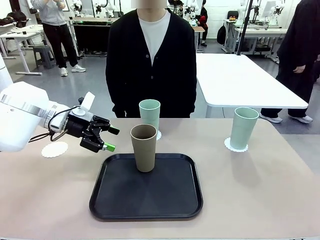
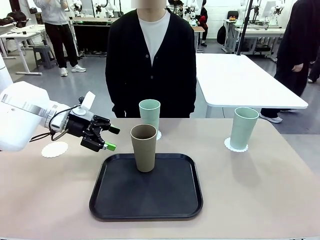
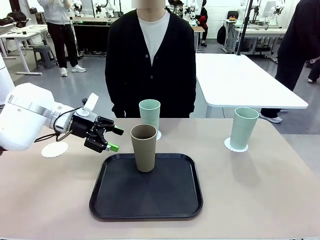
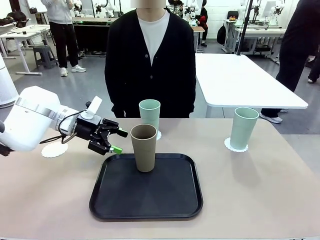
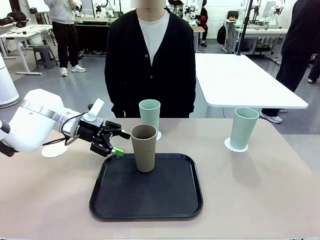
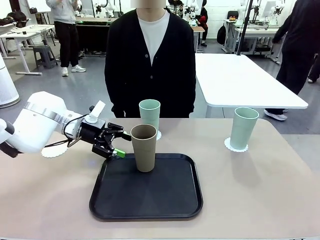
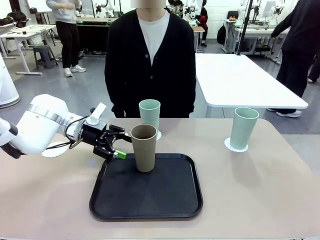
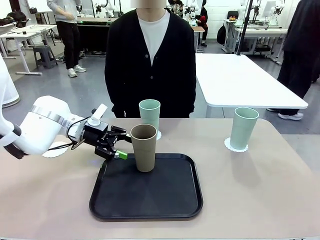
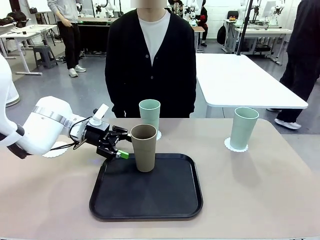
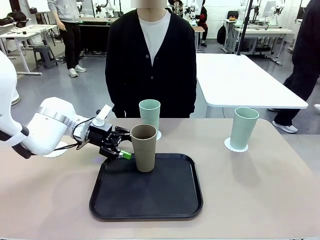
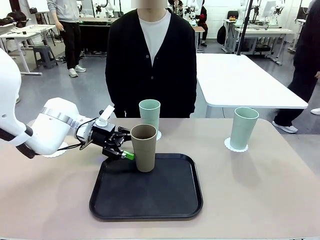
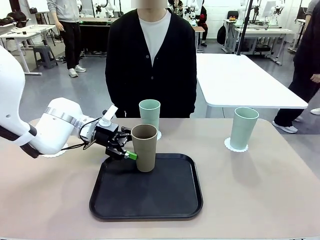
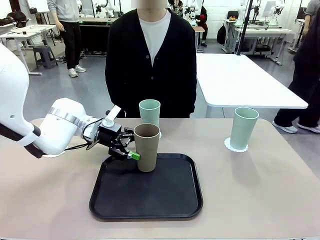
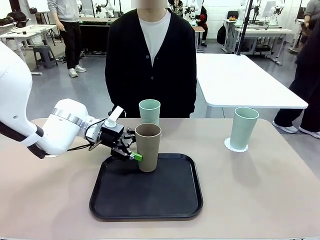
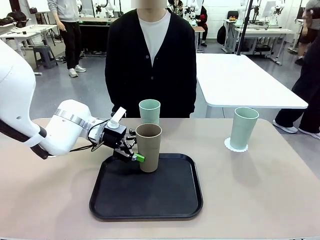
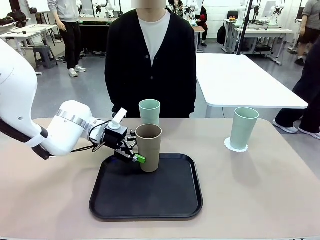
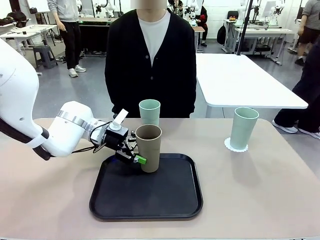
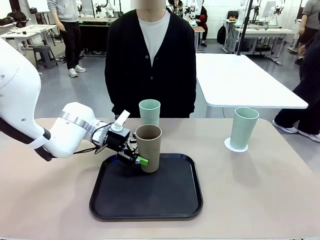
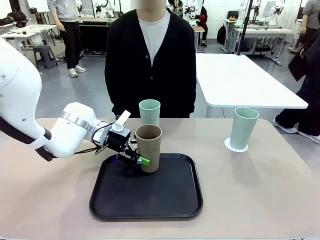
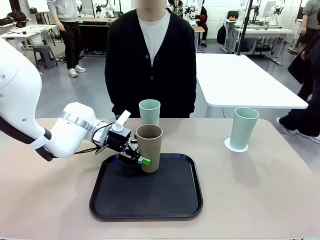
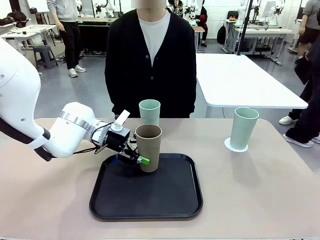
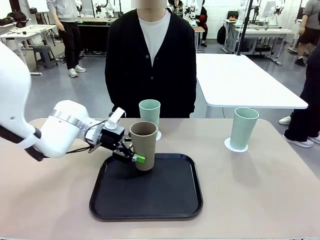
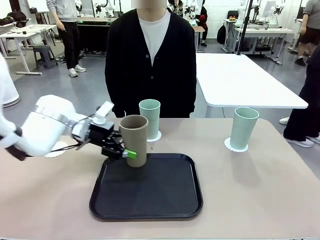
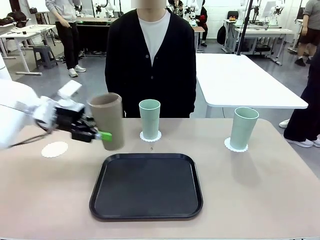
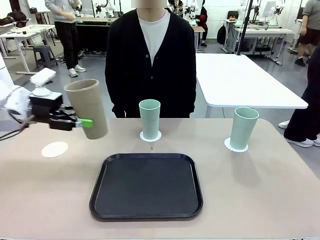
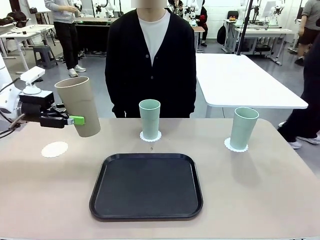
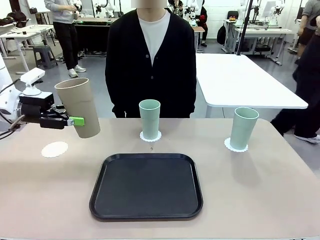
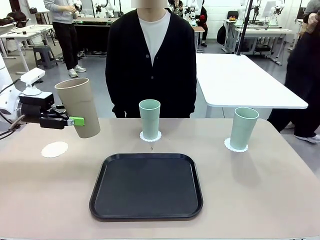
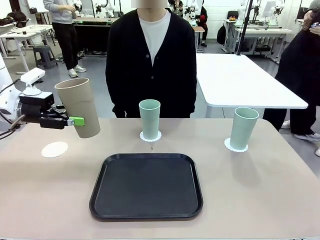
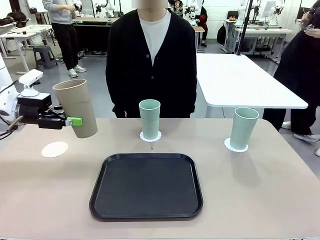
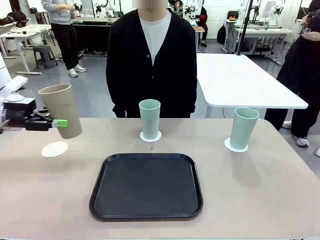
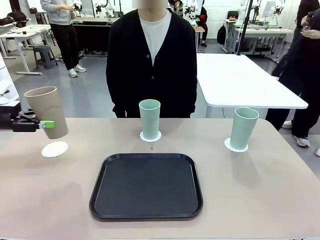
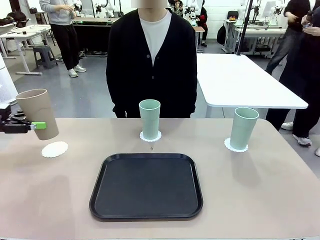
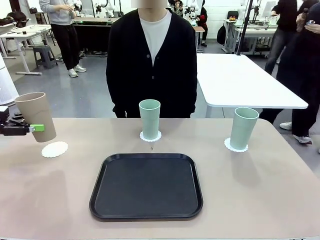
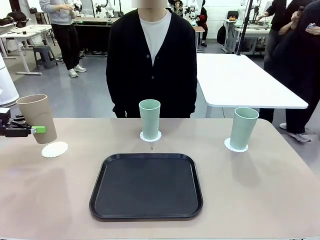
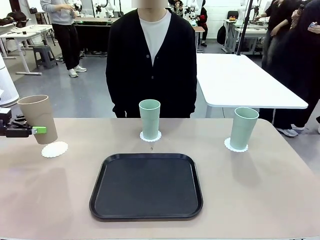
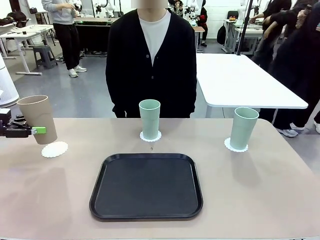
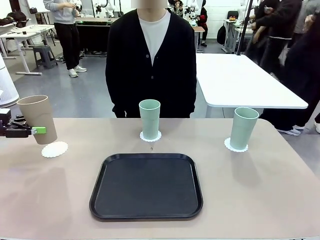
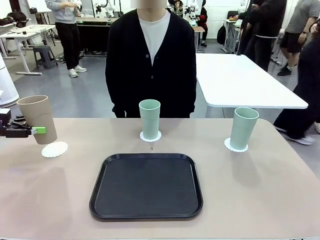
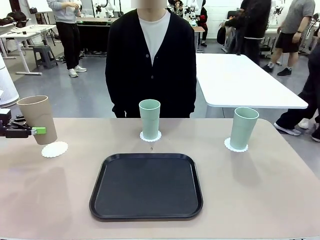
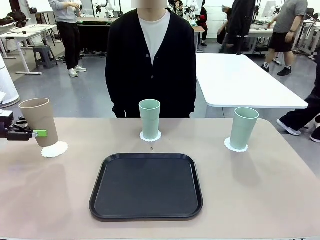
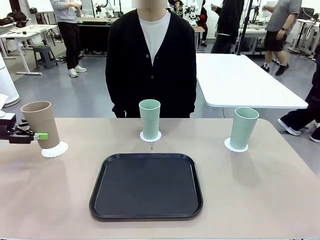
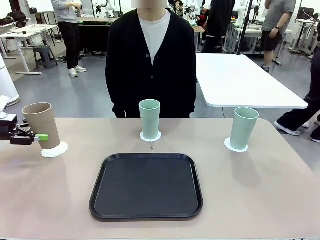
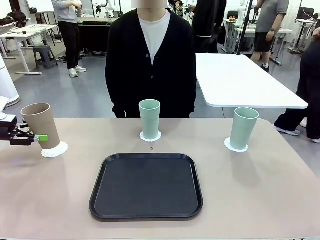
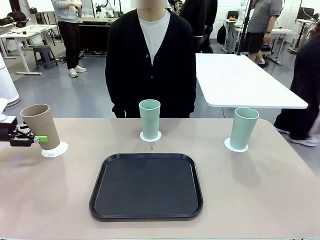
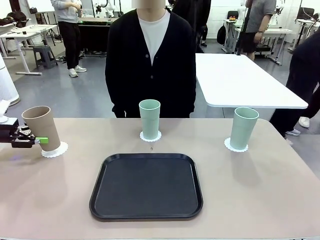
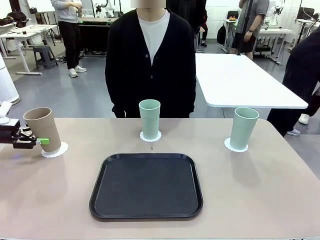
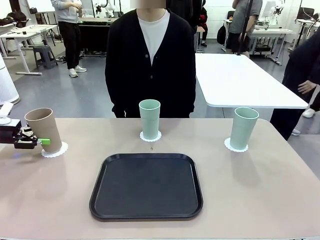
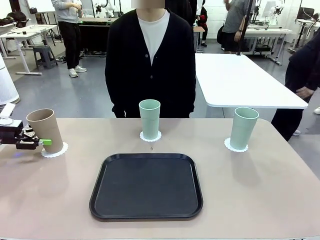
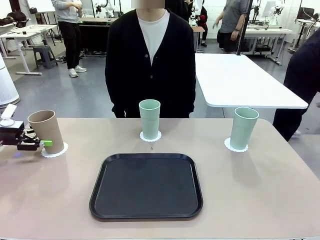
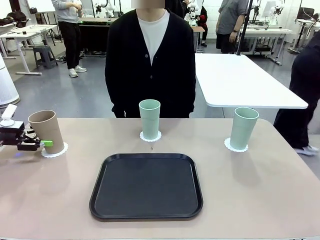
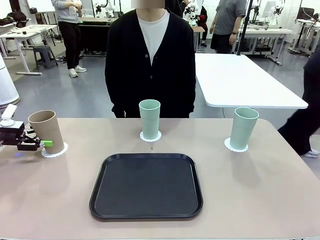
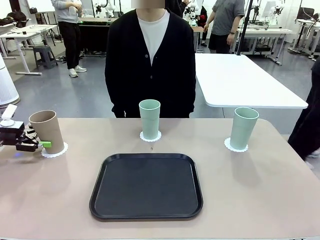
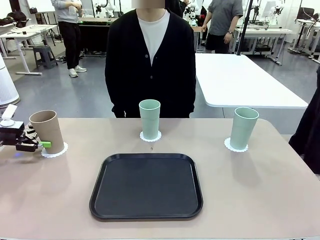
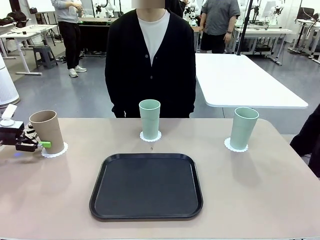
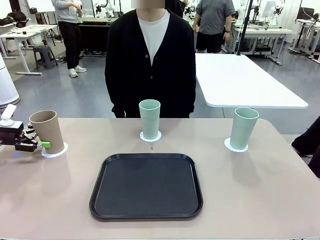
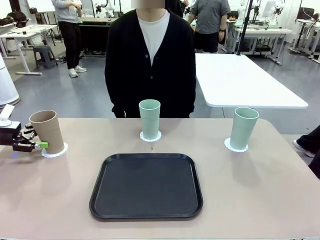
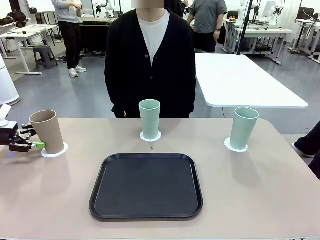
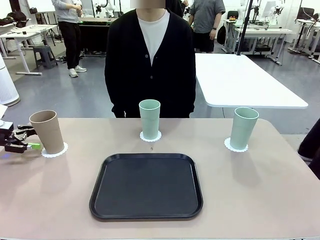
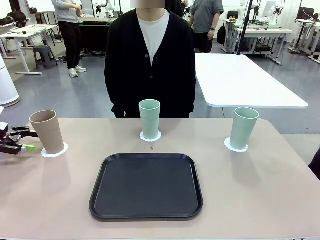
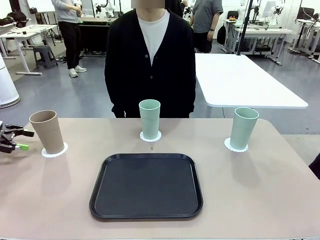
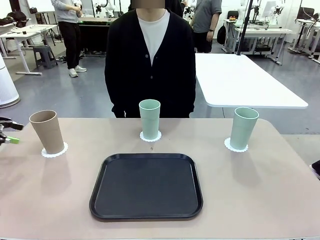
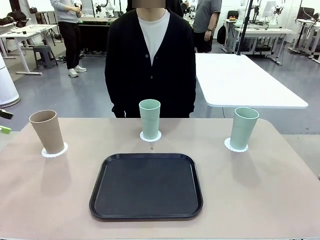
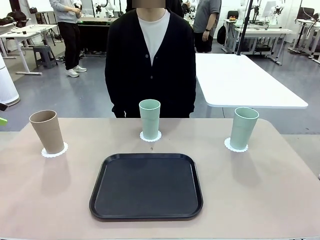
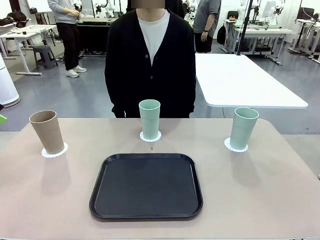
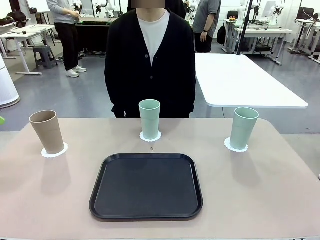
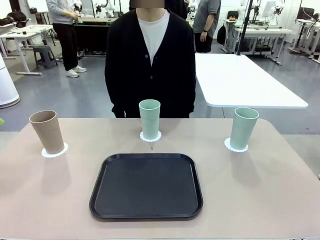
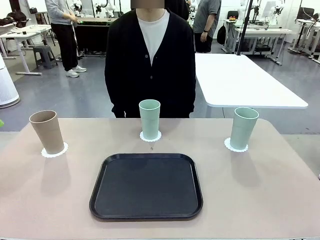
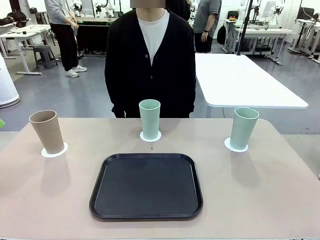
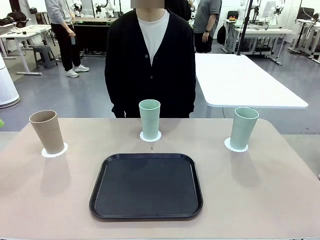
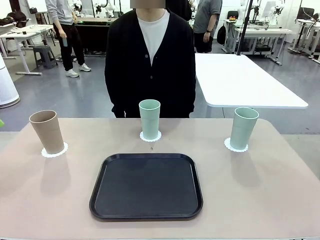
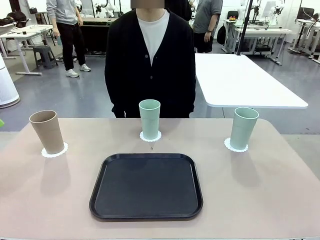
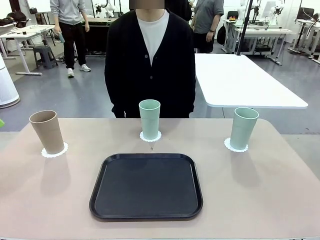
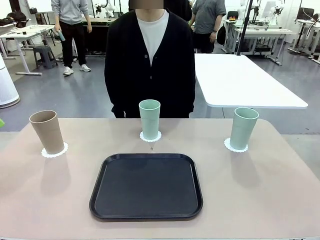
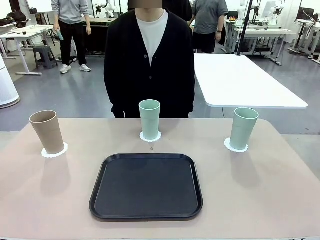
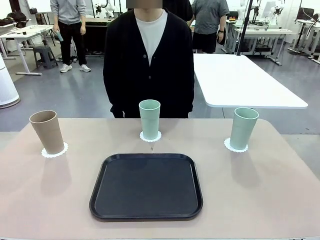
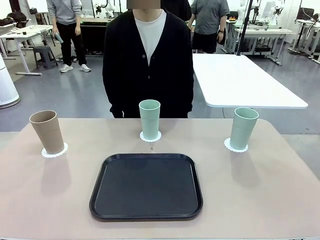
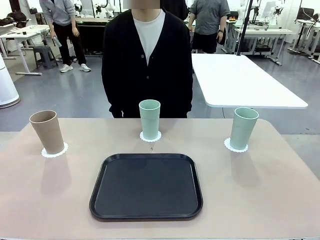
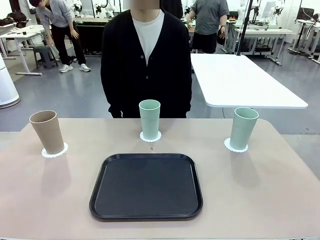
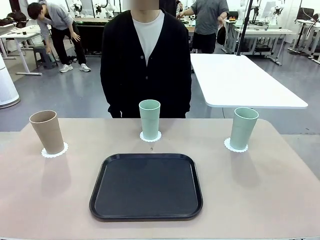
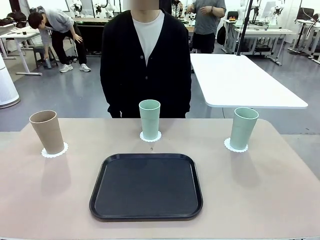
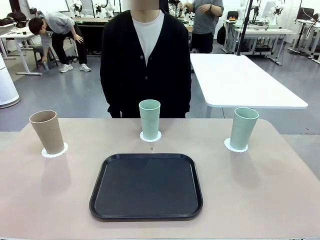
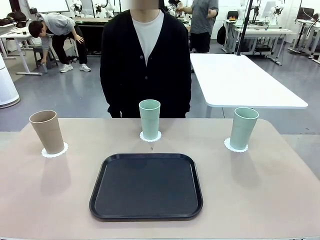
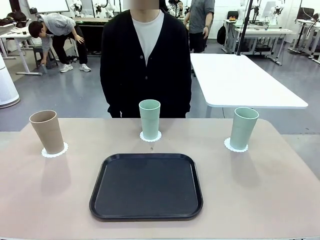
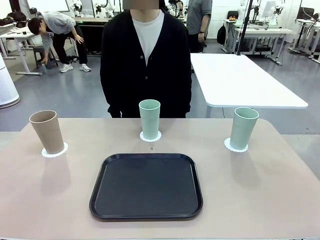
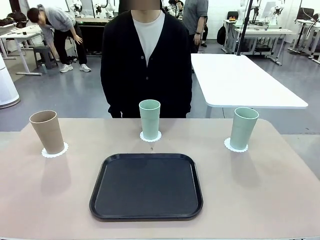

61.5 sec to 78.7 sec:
Task: Place coasters on the table and set cups on them.
Robot: Take one Reusable plastic cup from the Flat Tray and place it on a coaster set by the human.
